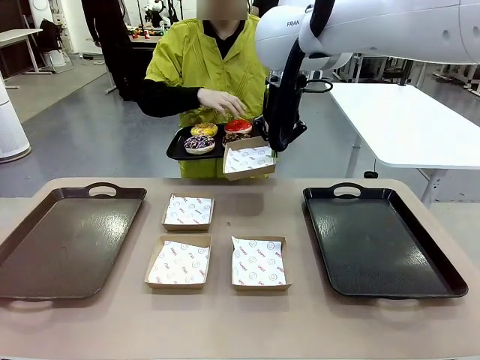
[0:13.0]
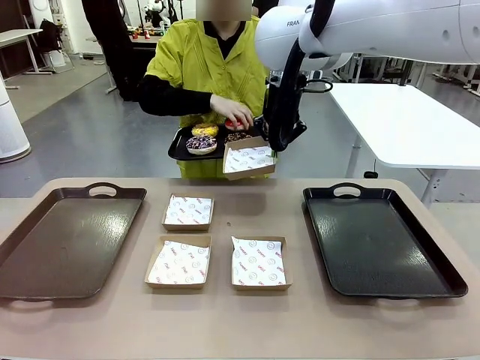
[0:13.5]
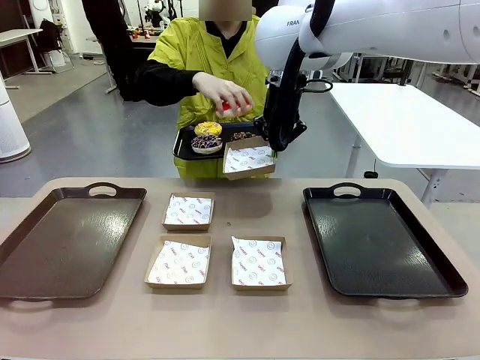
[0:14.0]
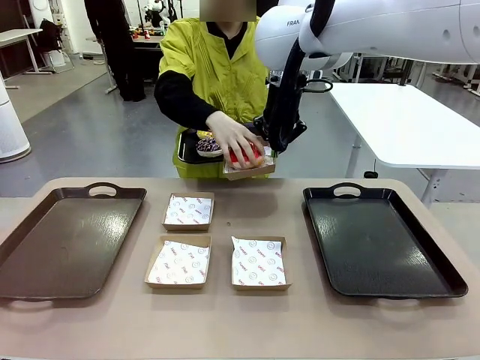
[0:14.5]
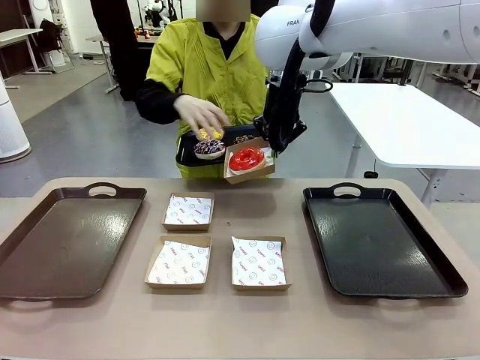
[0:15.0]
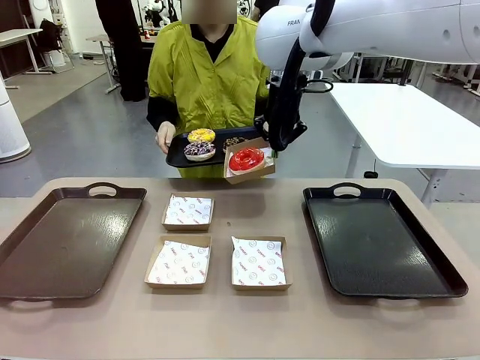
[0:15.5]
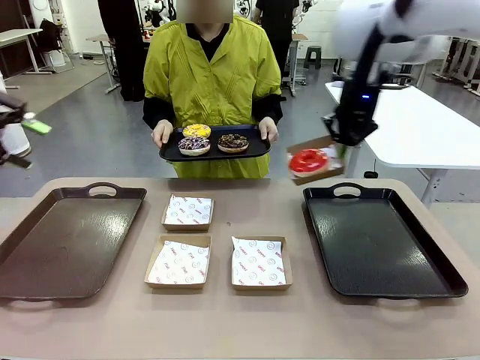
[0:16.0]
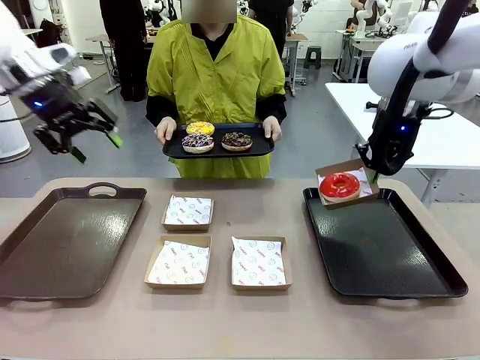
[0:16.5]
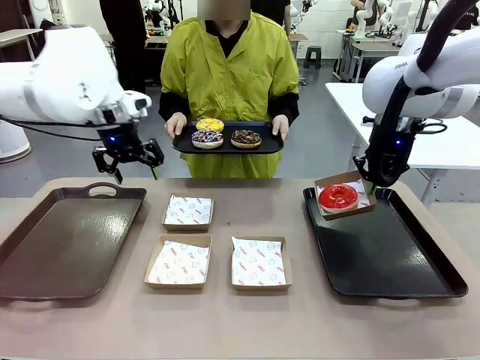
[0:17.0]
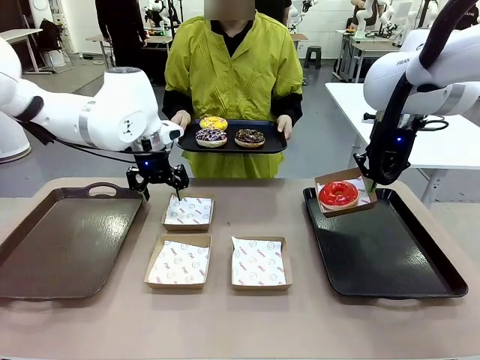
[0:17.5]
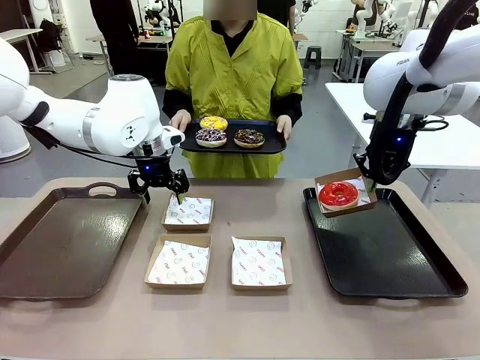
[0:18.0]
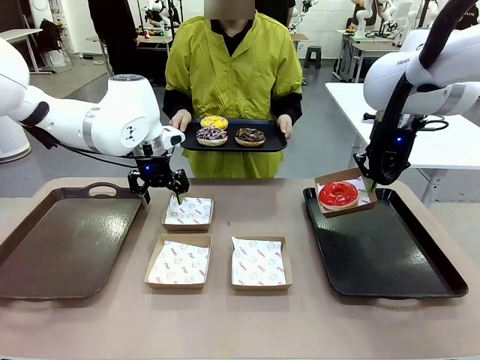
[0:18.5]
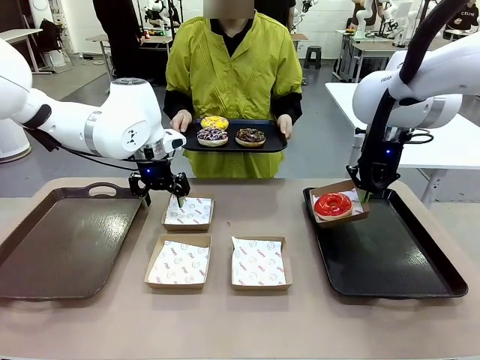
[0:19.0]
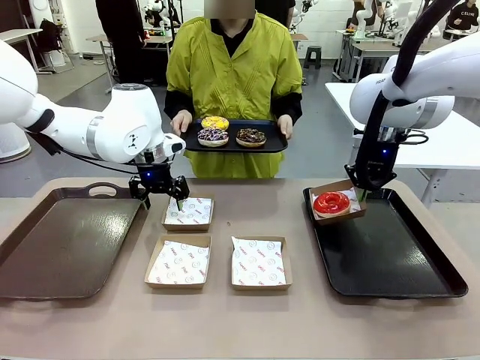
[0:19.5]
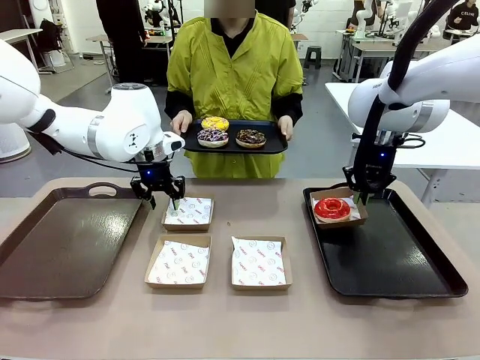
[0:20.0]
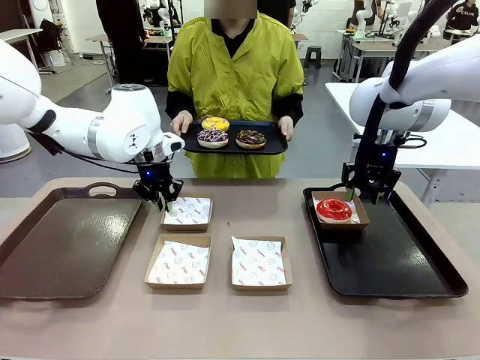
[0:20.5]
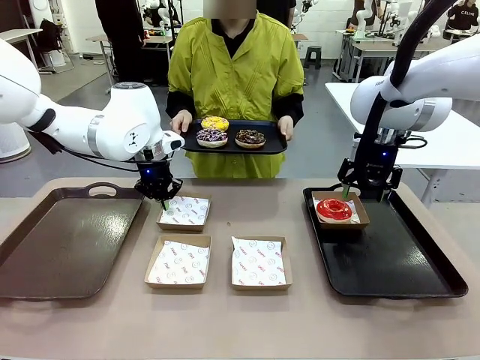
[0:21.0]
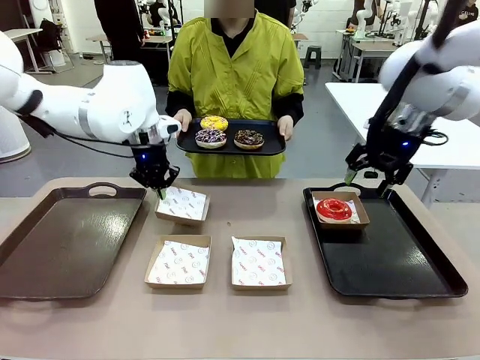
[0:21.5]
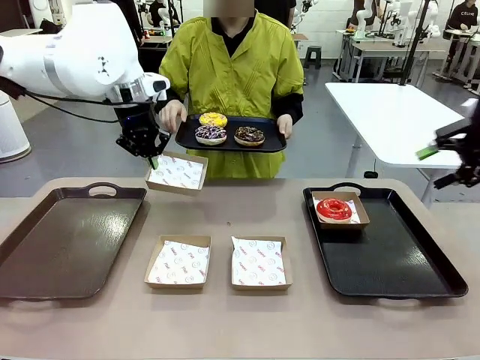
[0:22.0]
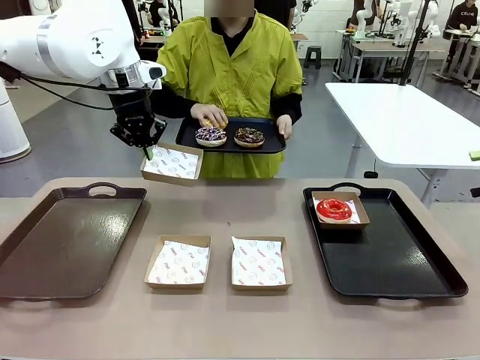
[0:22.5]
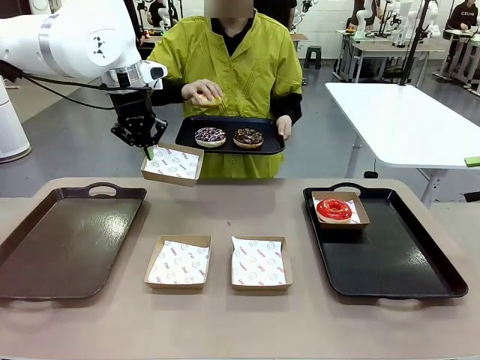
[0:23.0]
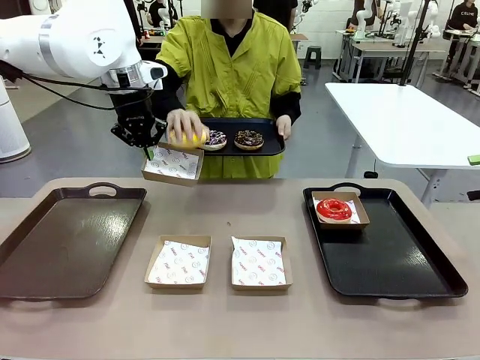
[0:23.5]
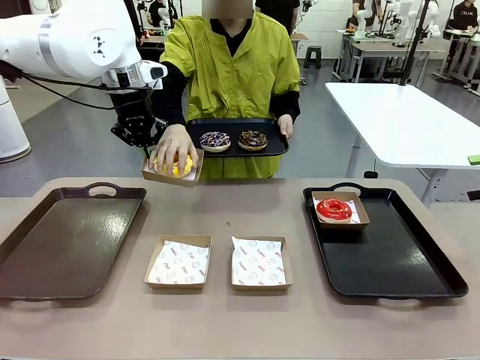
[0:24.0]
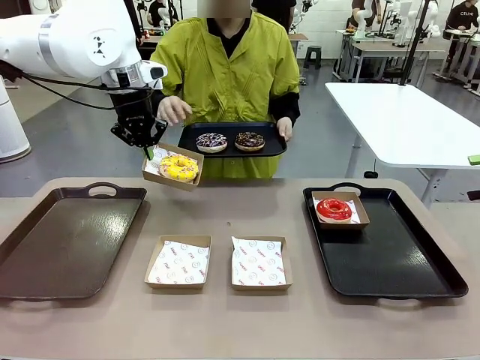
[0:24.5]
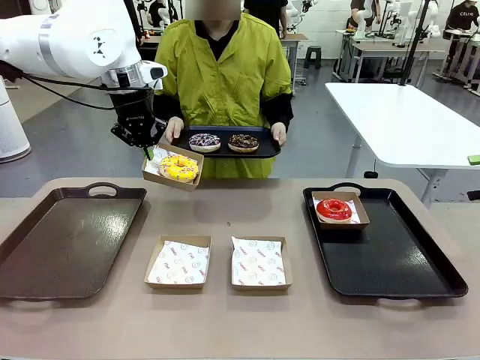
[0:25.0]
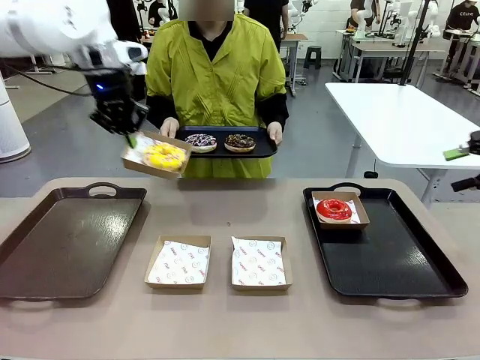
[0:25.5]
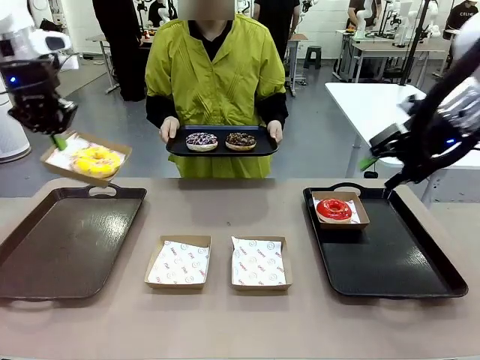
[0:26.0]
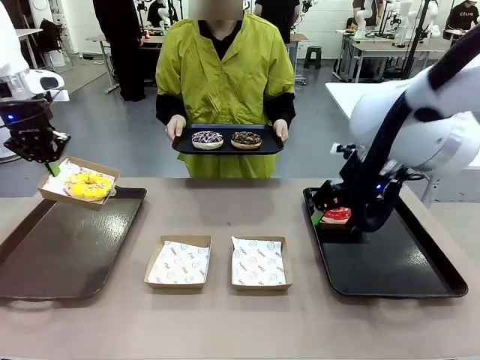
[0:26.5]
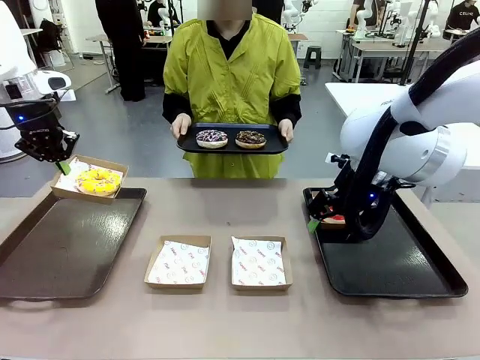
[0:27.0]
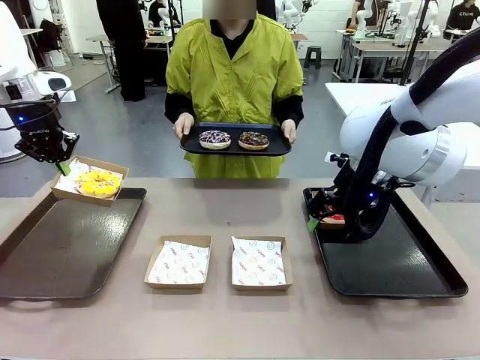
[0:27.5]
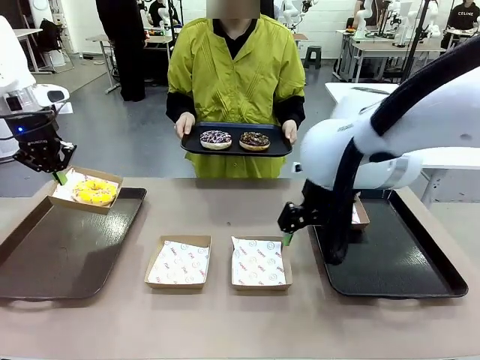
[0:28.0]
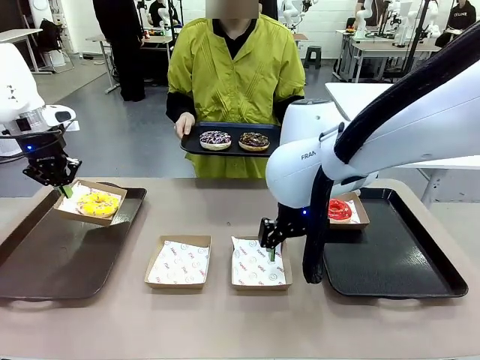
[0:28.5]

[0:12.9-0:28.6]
Task: Individually package the donuts and arrange them on the tray.
Robot: Place the picked Paper togo box on the Handle tray while simultaneously picking up another Paper togo box from the table with the other hand.

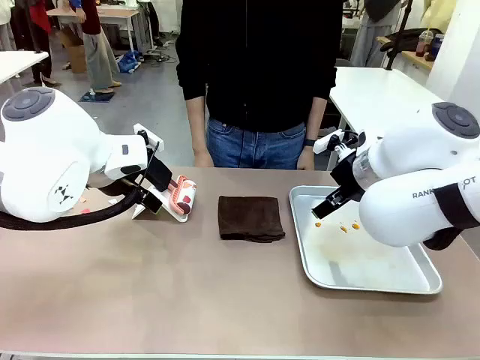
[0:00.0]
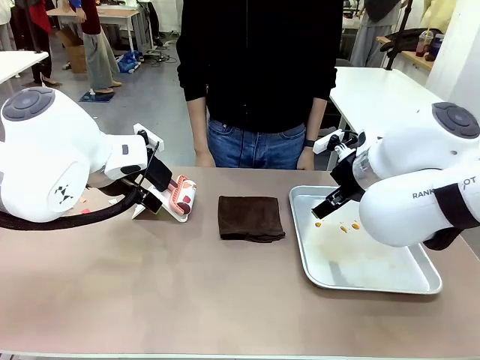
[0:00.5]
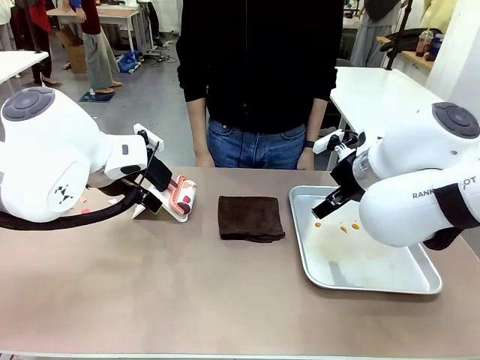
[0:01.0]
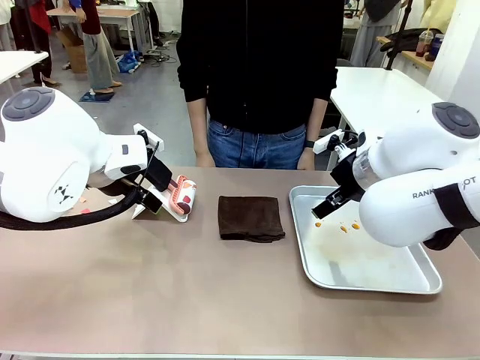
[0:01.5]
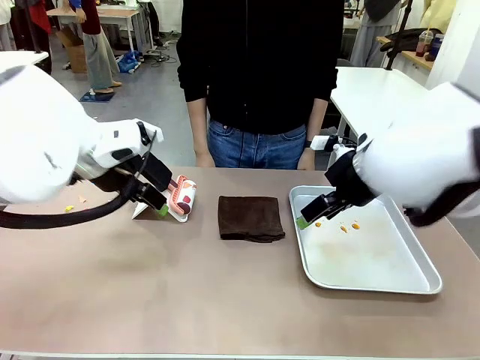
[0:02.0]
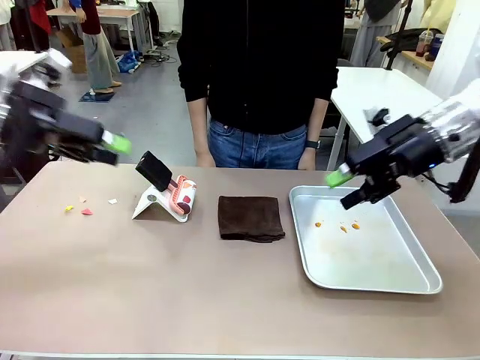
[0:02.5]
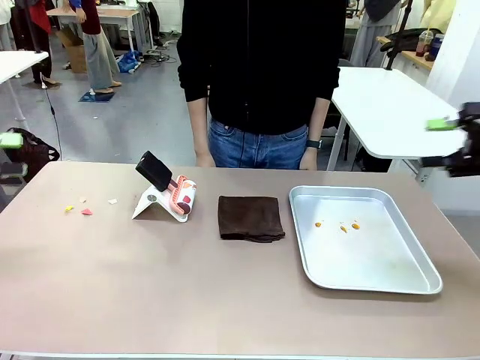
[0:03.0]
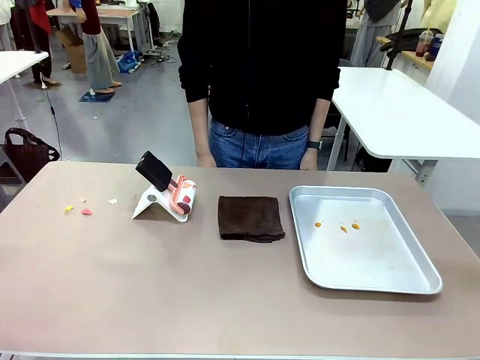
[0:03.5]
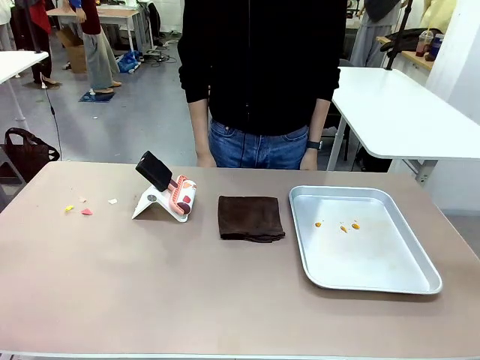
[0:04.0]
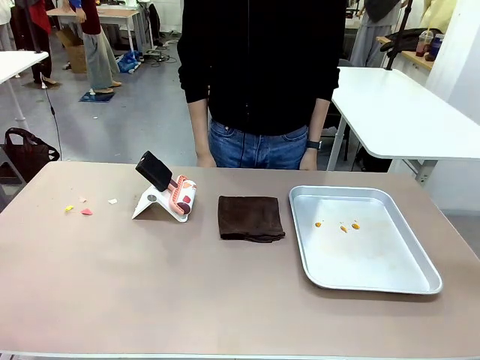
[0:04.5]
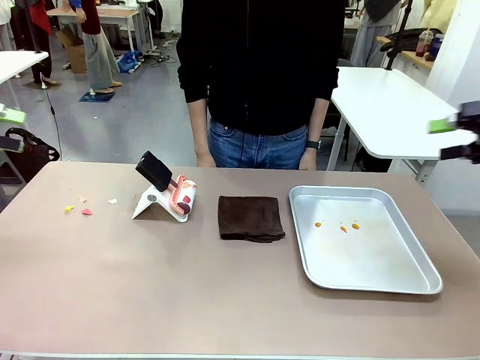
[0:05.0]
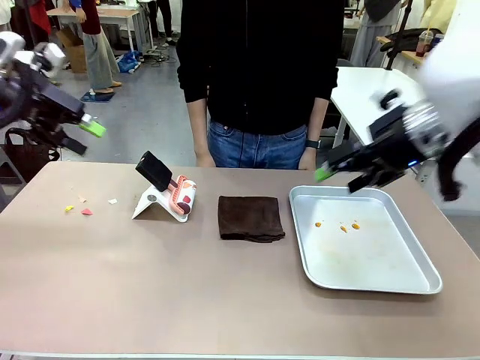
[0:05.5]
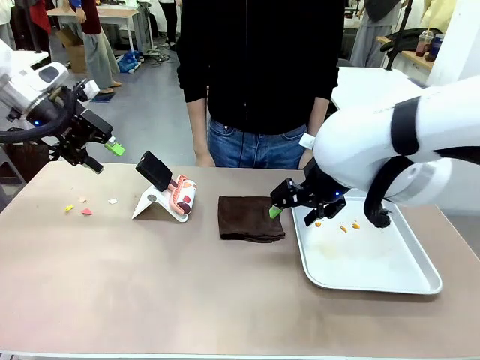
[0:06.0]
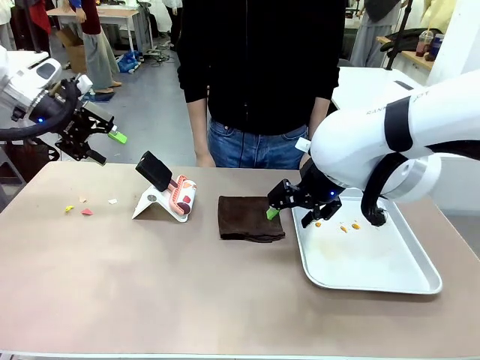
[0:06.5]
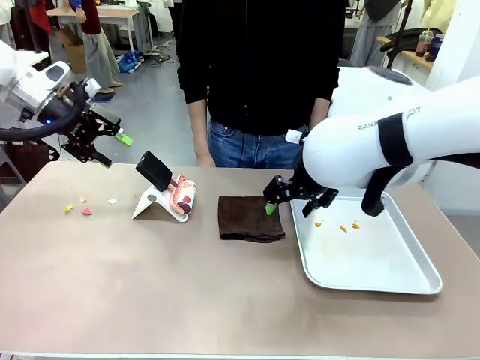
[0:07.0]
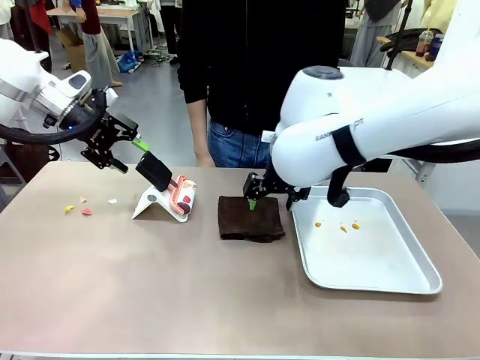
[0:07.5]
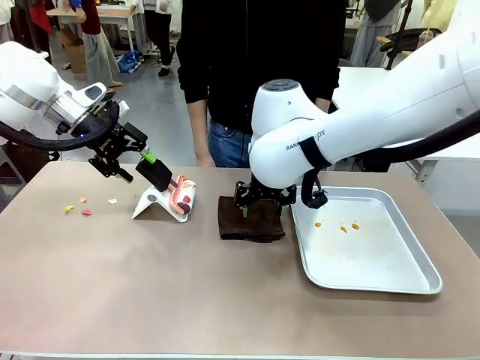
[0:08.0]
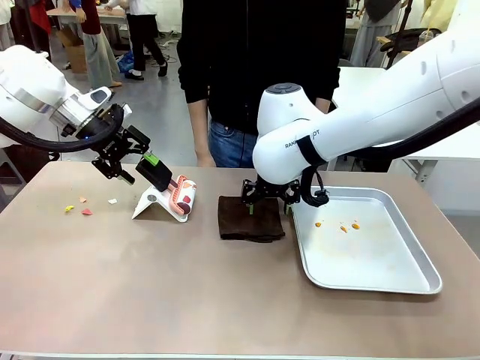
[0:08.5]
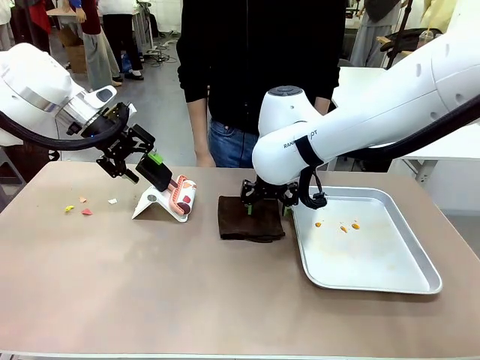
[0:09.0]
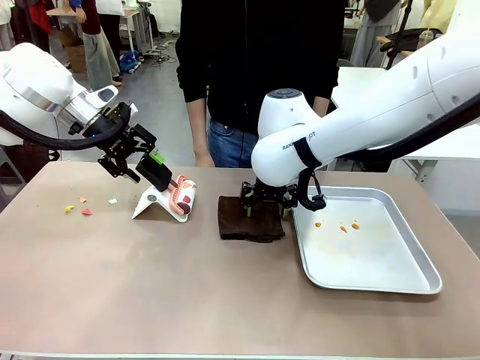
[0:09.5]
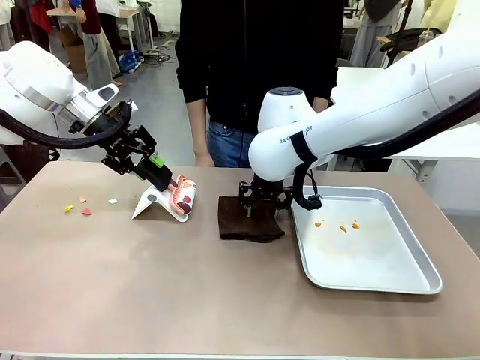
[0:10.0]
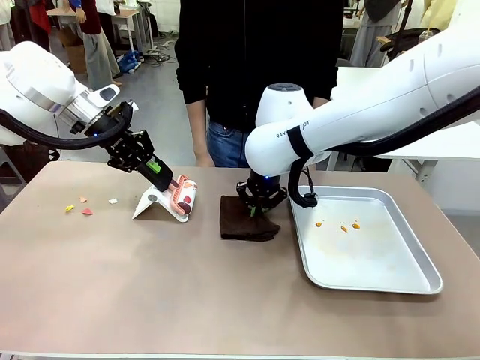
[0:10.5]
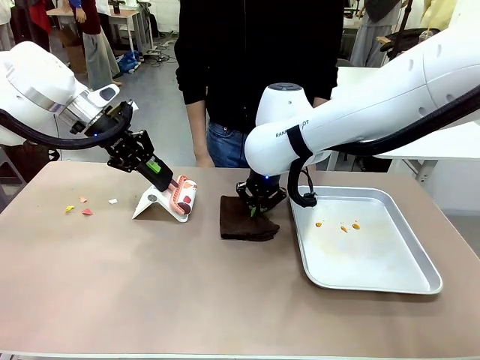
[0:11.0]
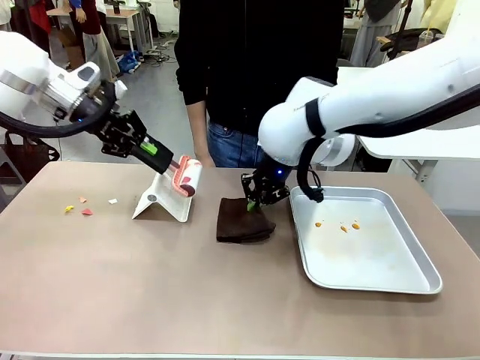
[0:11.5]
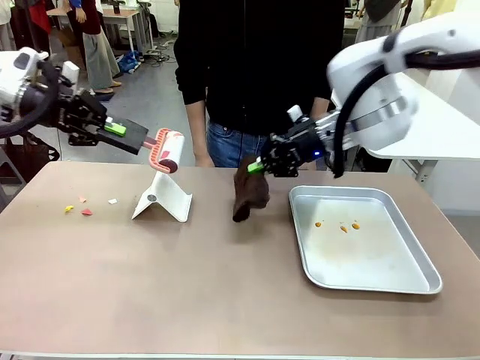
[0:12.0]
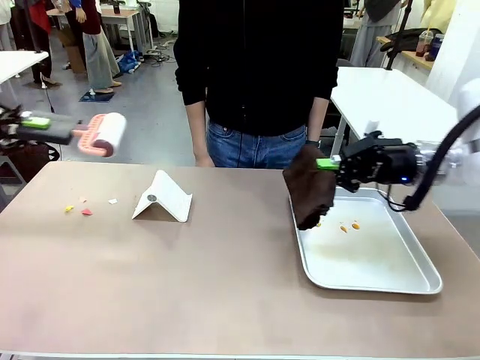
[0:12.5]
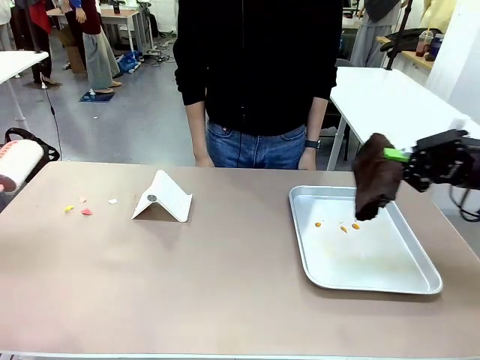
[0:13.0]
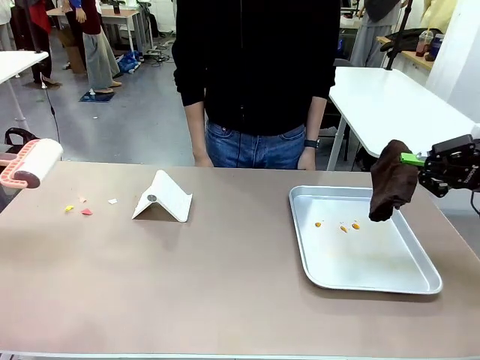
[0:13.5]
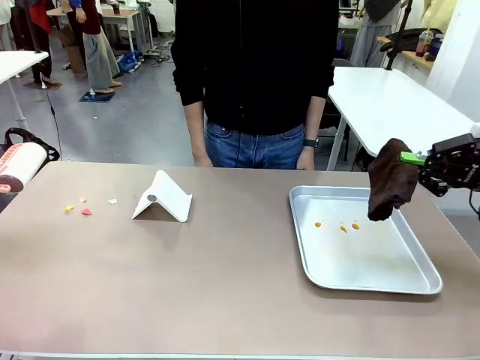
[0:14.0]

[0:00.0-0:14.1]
Task: Clean the surface of the table.
Robot: Hold the Lint Roller with your left hand and the towel with your right hand.
